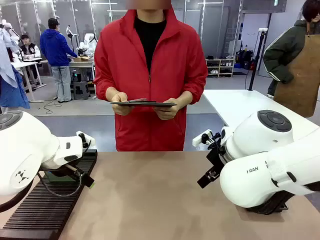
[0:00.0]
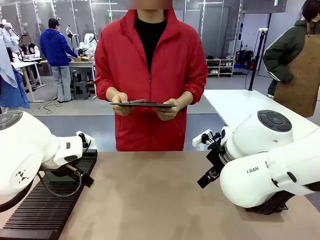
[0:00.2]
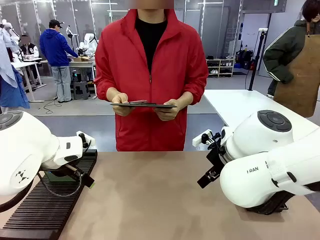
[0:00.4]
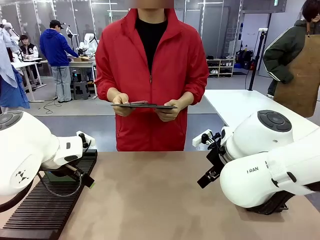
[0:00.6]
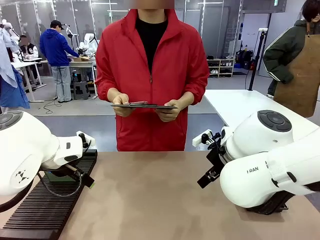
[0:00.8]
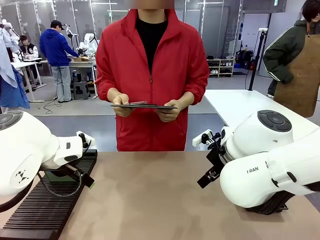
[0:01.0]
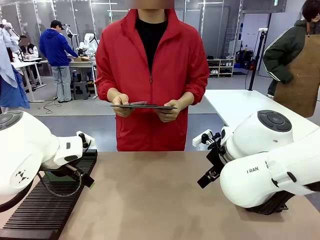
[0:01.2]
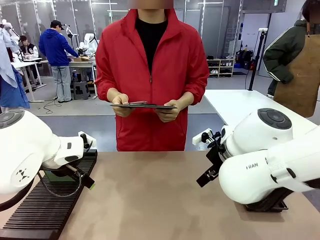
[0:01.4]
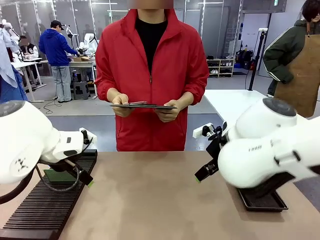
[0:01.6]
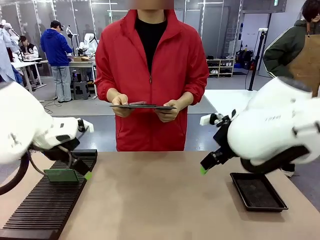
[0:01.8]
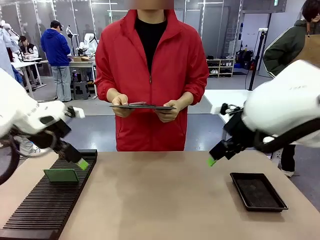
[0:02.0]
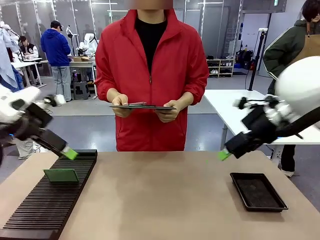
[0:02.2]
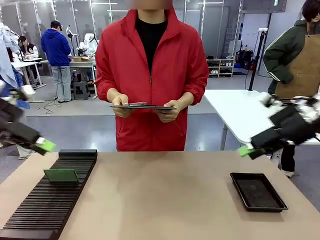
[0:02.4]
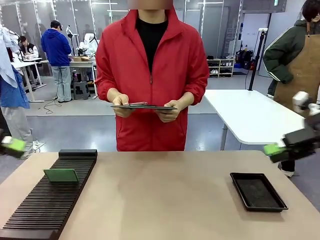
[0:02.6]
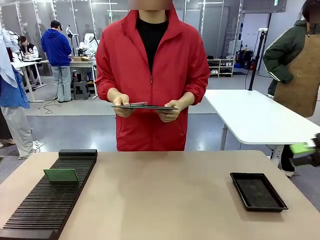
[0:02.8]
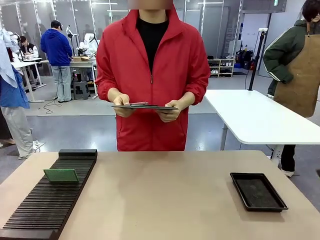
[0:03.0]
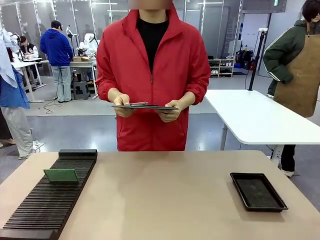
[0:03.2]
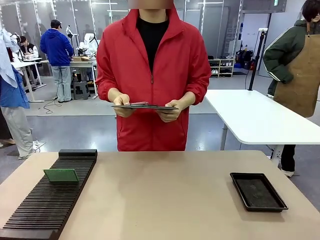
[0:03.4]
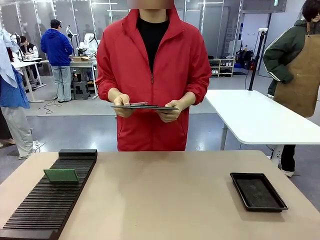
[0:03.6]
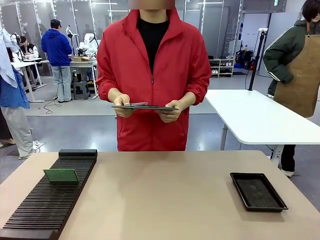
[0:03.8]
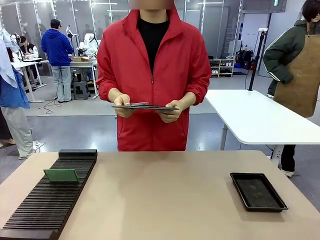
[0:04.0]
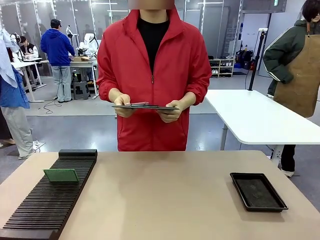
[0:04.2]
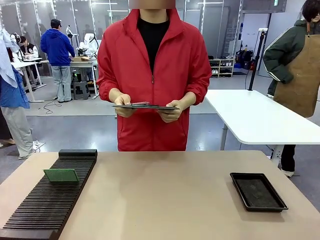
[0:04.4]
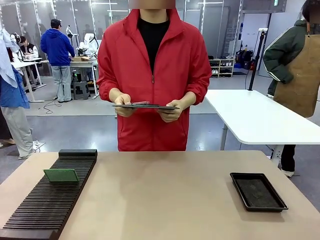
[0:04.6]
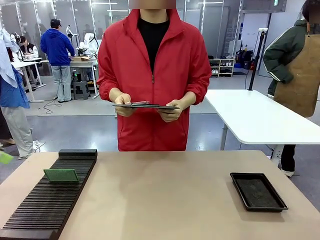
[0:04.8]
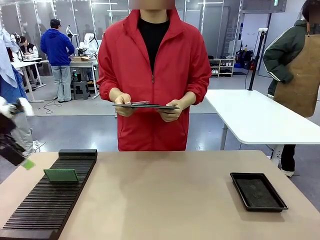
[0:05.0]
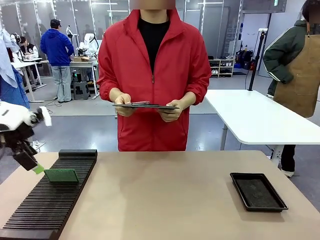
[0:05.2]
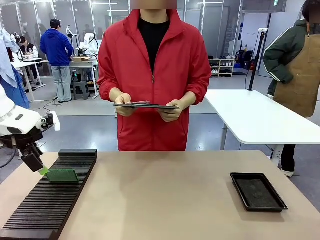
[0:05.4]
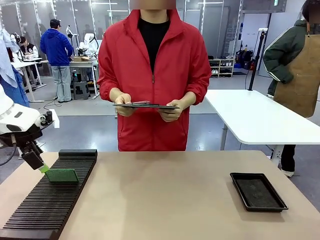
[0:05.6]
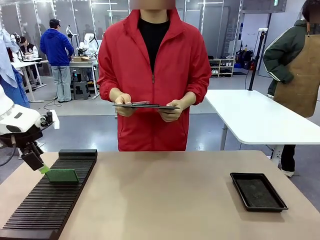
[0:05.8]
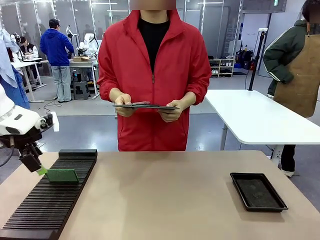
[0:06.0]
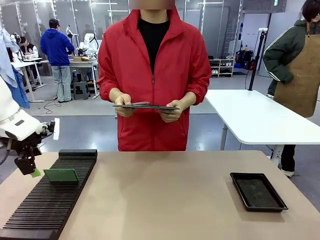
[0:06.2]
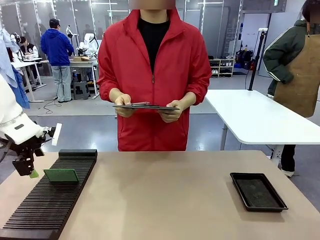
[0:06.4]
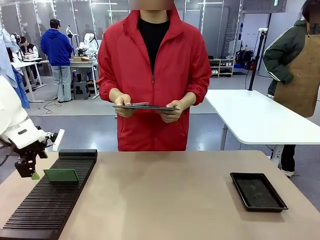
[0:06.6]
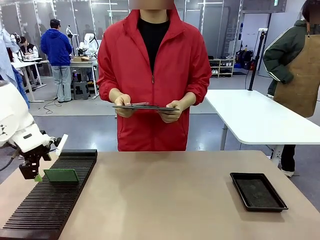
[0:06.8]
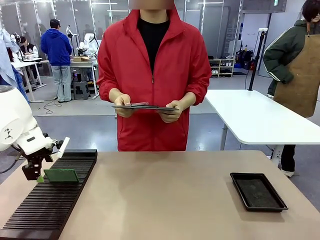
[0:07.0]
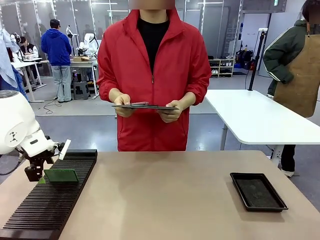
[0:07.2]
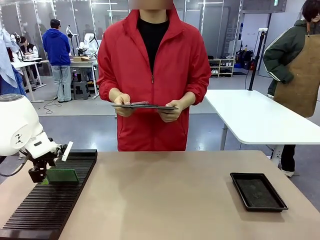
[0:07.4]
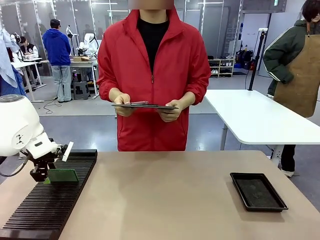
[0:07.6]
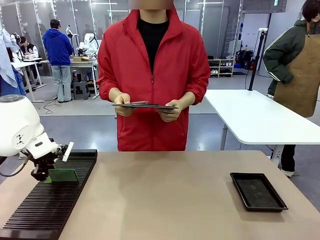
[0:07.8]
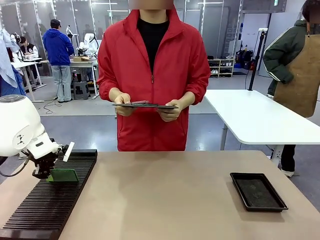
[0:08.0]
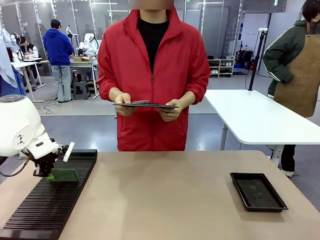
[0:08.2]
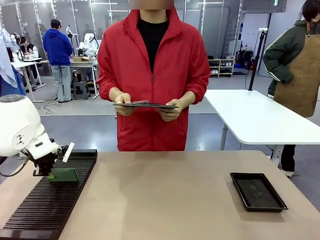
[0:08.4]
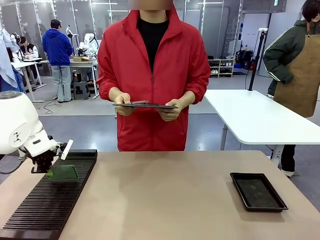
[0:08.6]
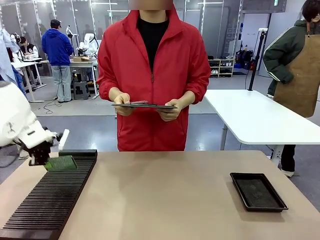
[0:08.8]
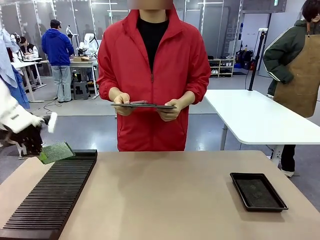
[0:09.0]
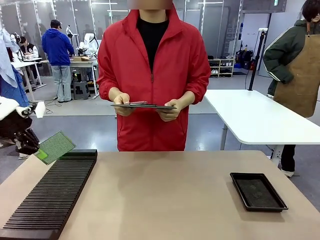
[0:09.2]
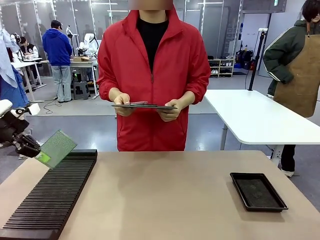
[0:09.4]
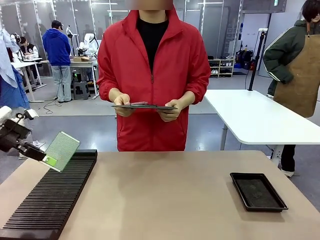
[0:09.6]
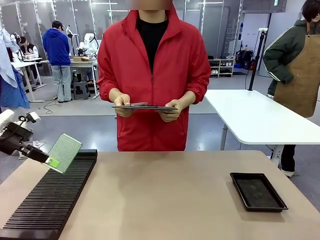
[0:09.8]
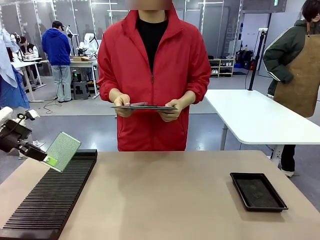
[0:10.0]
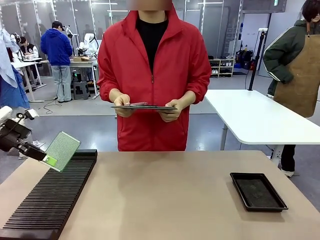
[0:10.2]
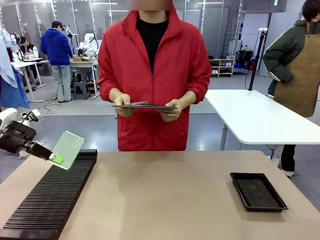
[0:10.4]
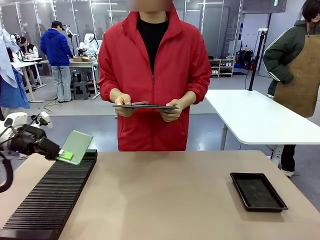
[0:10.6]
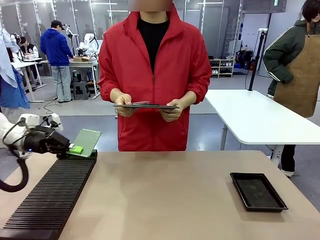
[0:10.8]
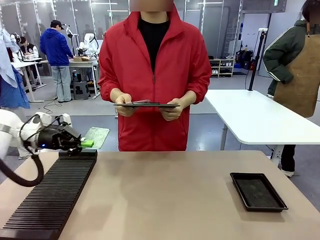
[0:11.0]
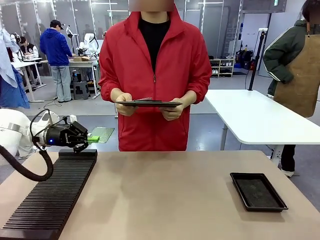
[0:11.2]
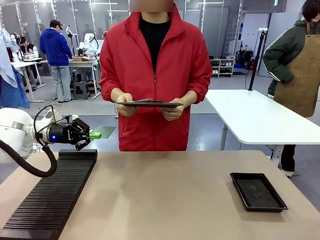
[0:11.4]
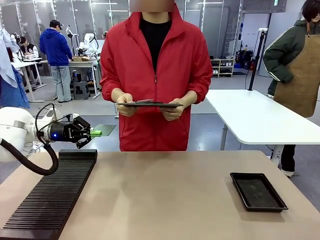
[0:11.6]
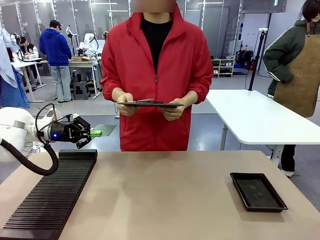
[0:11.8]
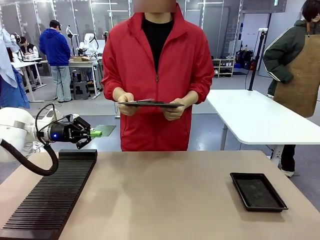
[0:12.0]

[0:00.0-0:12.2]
Task: Inspect the PCB.
Robot: Pick up the Blank PCB and present it to the human.
Person: Pick up the PCB presented by the robot.

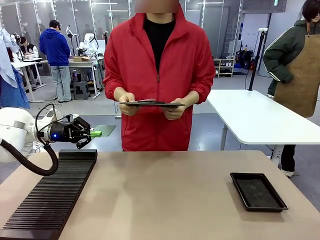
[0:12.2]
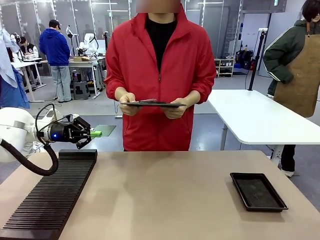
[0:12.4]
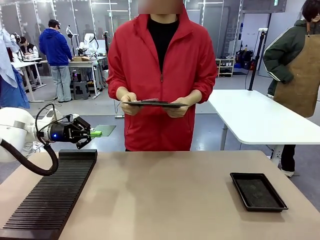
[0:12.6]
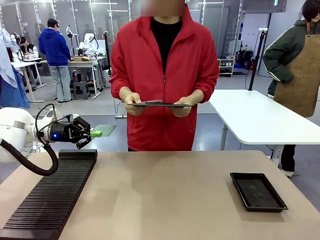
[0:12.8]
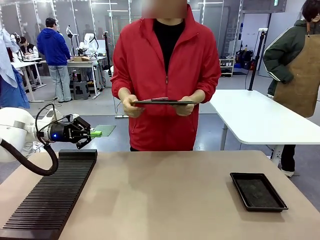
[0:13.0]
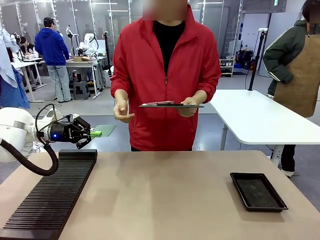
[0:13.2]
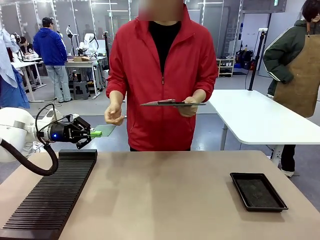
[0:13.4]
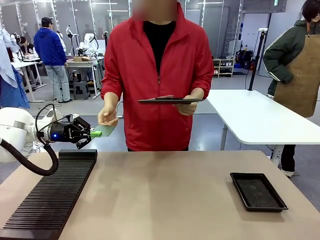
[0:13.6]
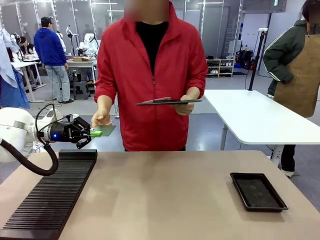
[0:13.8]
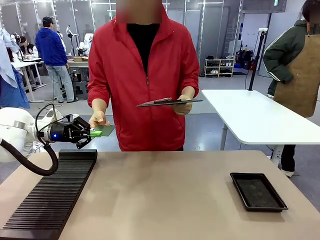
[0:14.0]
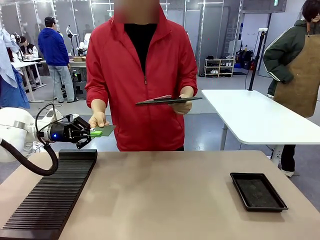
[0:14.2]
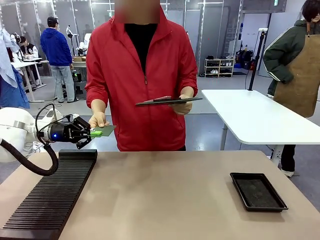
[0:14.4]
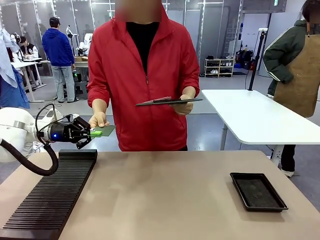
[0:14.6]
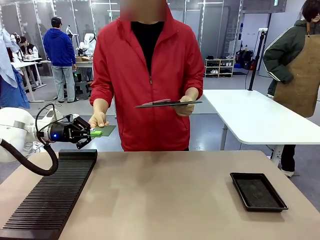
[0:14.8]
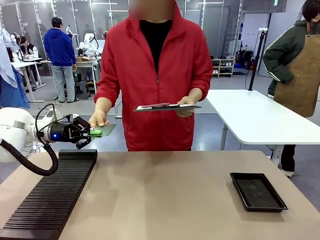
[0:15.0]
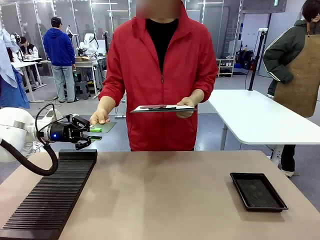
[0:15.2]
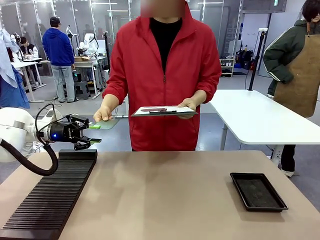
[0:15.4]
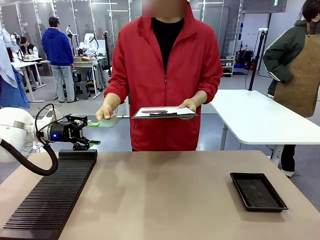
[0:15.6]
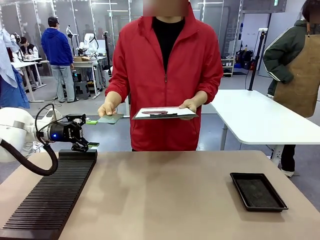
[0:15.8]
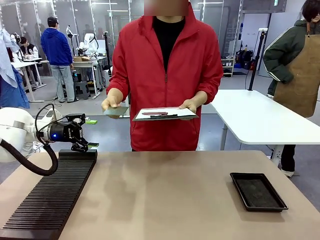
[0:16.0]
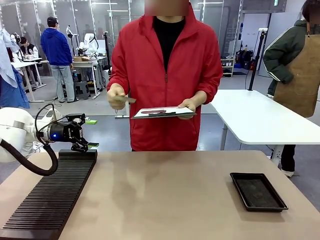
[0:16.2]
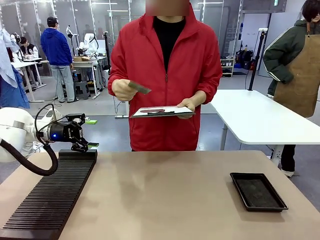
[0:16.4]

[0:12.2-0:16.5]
Robot: Release the Blank PCB you were holding.

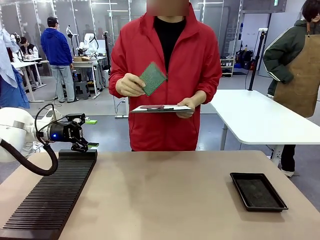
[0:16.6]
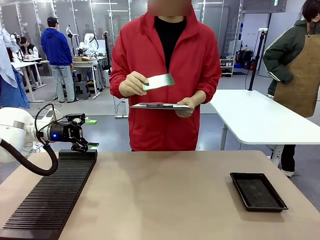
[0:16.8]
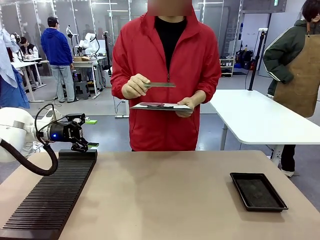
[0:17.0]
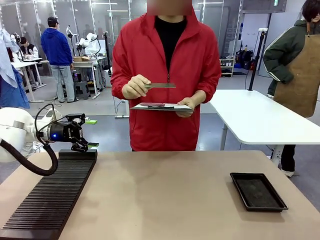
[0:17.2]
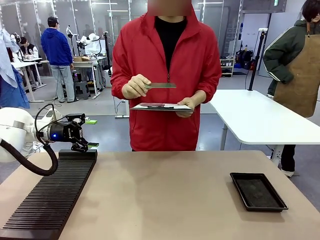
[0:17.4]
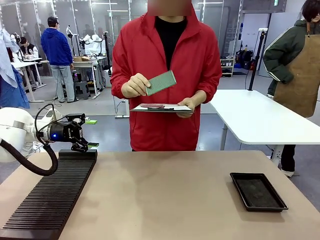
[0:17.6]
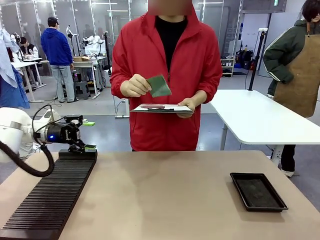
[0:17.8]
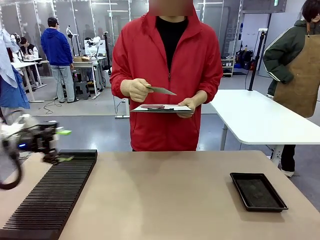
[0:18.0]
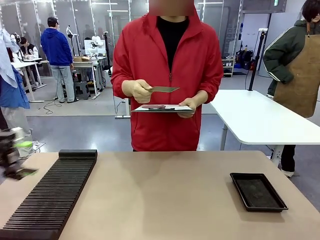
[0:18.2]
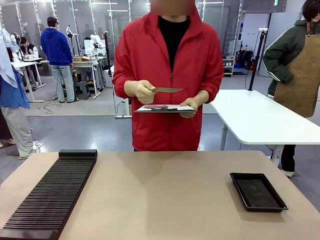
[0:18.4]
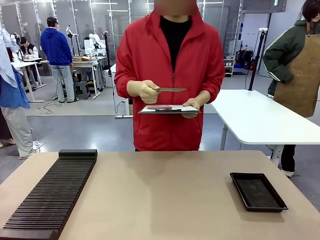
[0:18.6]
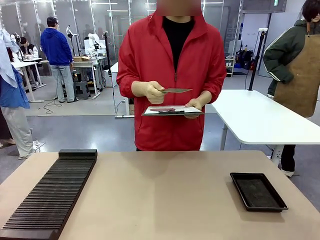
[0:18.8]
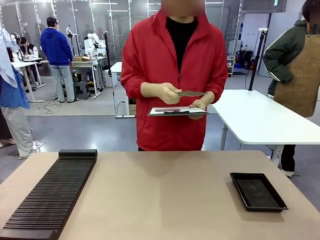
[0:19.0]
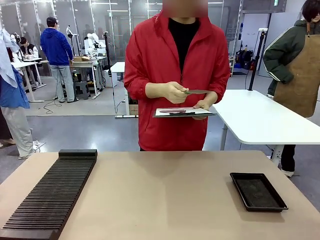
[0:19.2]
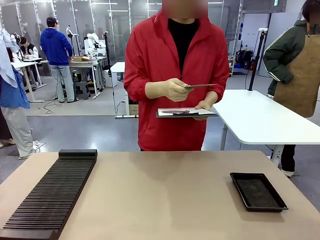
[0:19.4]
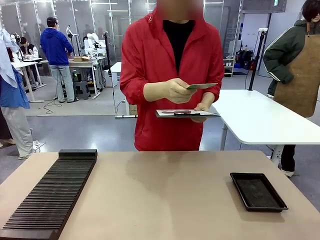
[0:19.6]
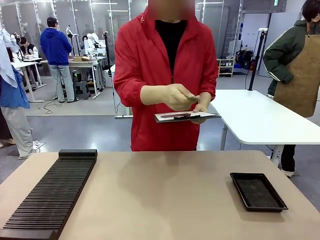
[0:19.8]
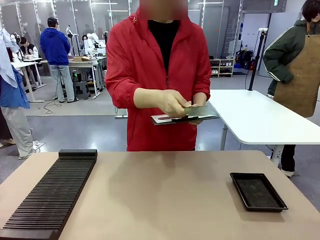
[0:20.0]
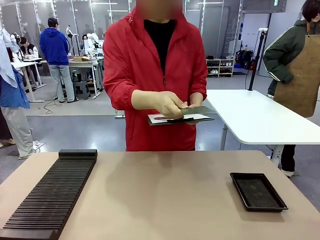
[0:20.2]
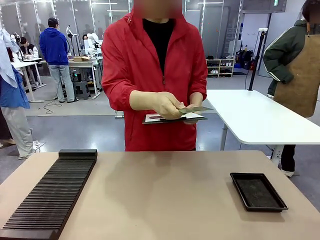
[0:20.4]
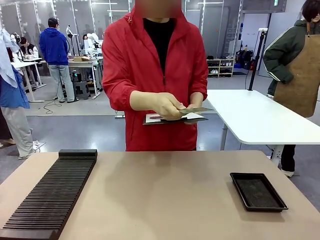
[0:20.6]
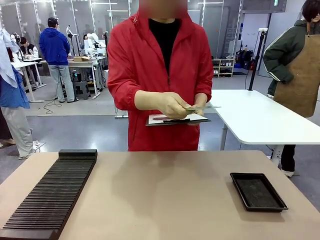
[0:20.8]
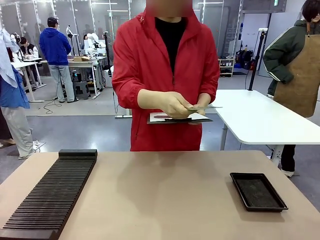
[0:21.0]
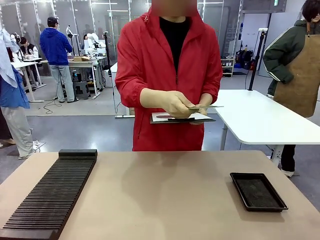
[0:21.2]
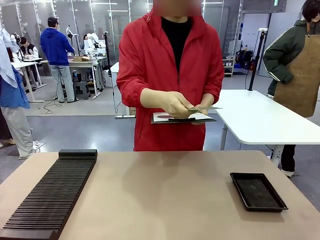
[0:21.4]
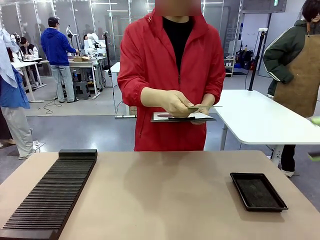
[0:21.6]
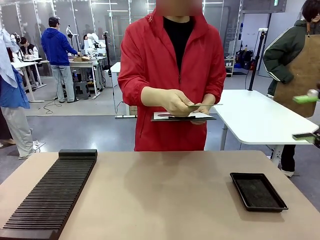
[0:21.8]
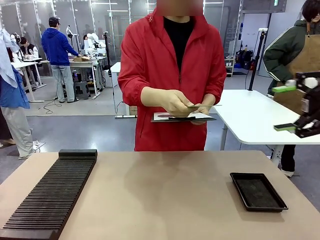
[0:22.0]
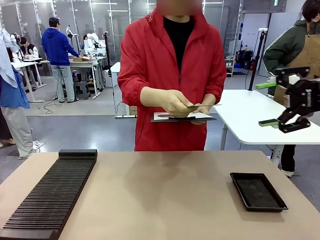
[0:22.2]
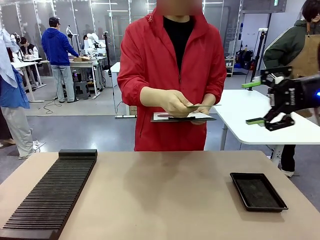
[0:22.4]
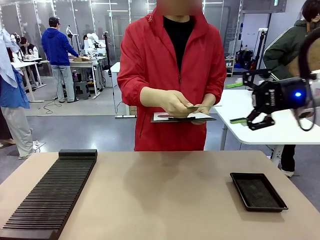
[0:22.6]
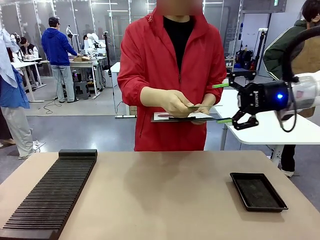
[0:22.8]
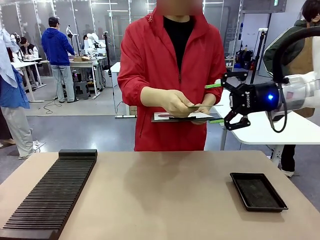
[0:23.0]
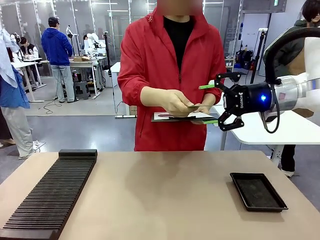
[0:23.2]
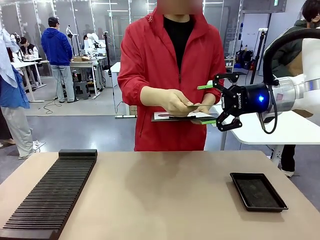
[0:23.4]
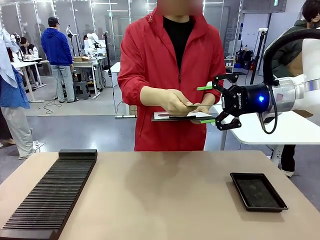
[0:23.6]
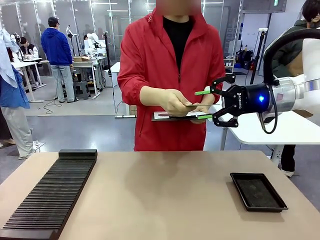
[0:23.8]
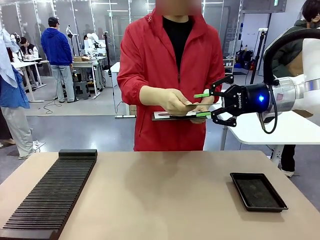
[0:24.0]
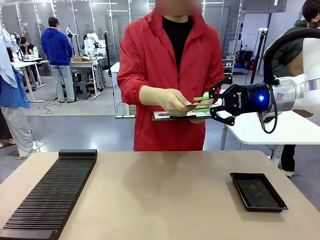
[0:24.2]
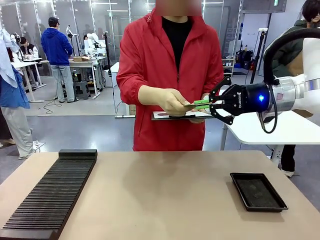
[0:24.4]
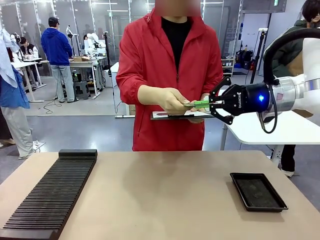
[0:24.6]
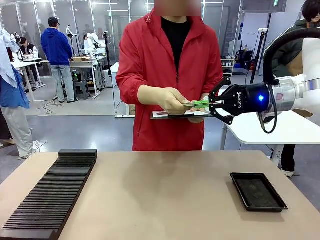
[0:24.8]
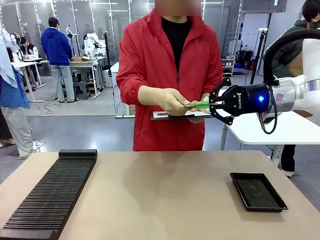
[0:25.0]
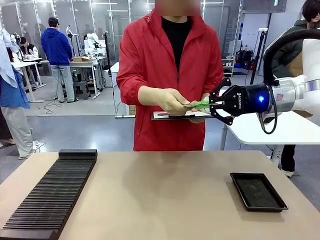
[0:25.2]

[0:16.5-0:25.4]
Robot: Pick up the Blank PCB that the human is holding.
Person: Inspect the PCB placed by the robot, then hold it out in front of the robot. Release the PCB you were holding.
